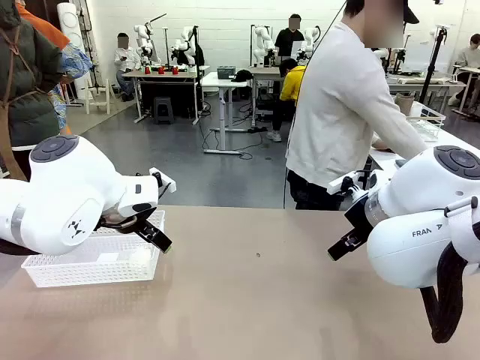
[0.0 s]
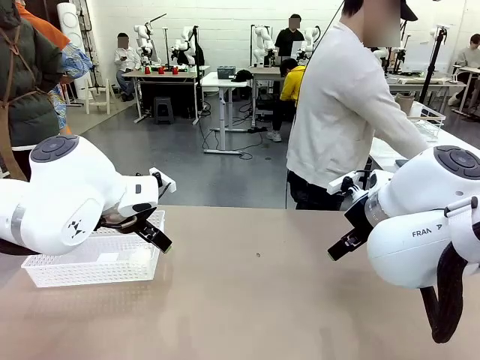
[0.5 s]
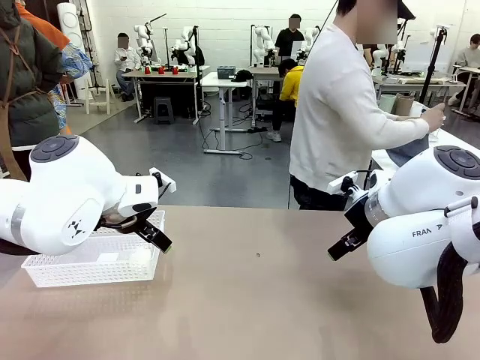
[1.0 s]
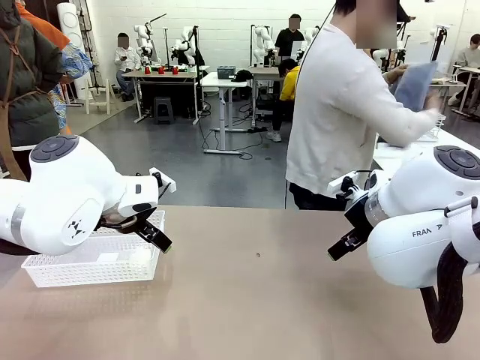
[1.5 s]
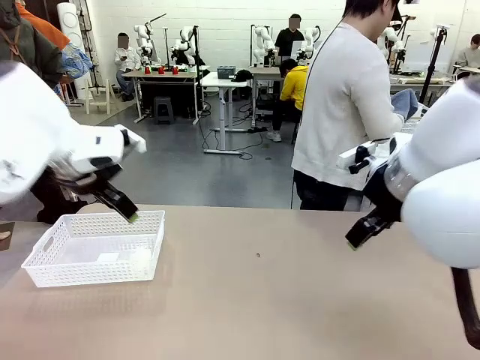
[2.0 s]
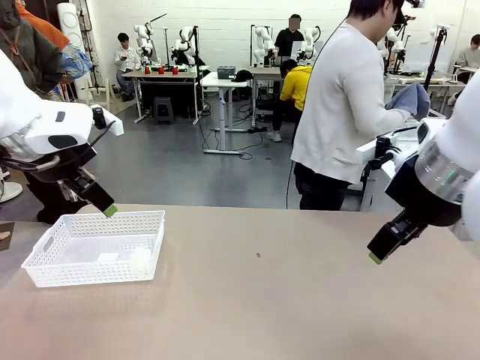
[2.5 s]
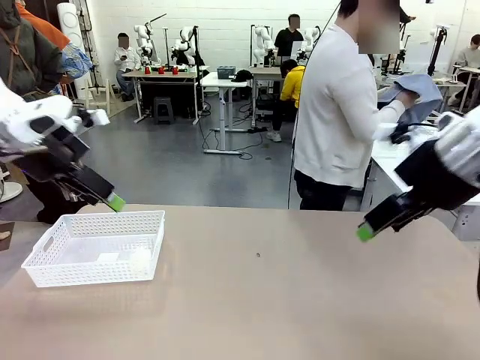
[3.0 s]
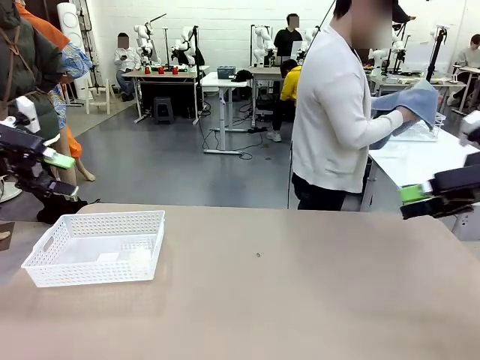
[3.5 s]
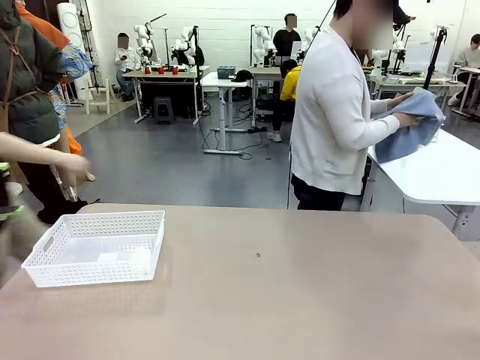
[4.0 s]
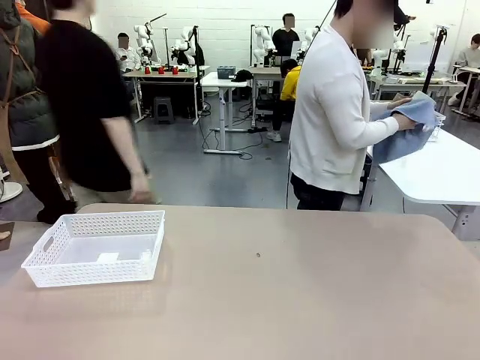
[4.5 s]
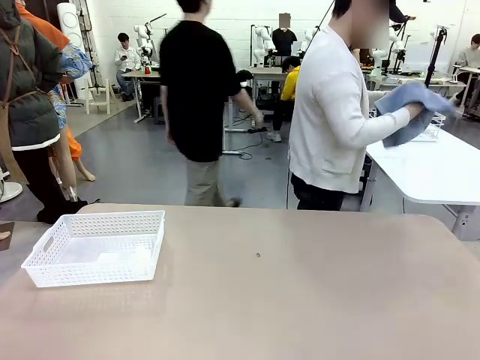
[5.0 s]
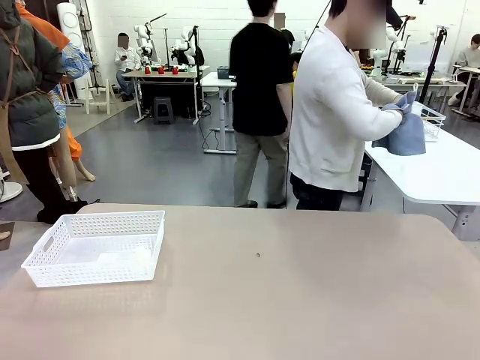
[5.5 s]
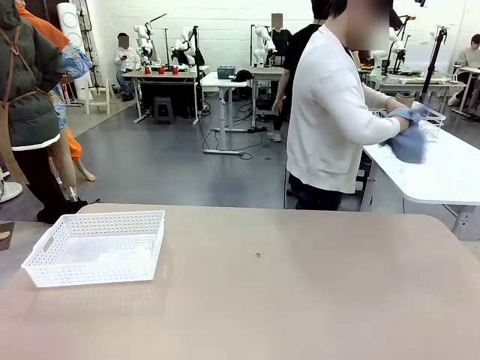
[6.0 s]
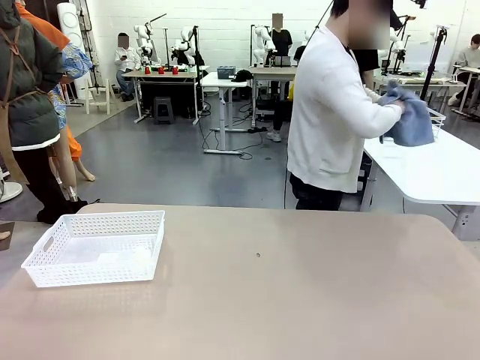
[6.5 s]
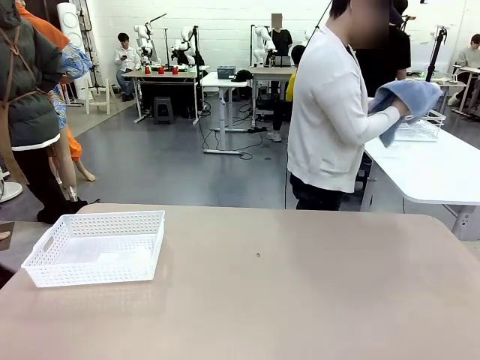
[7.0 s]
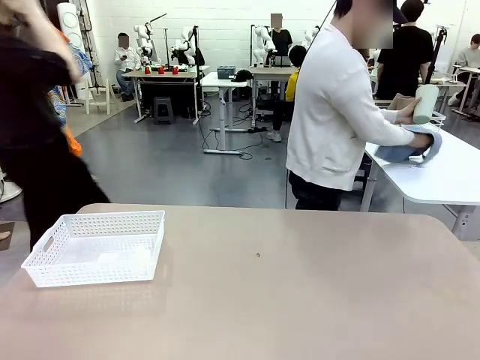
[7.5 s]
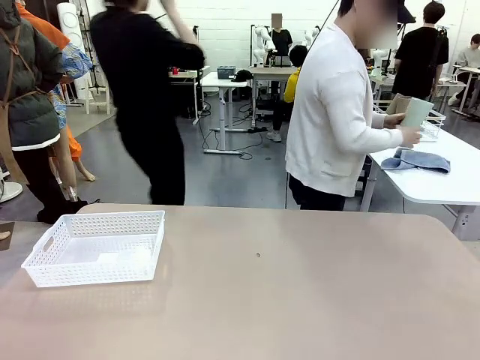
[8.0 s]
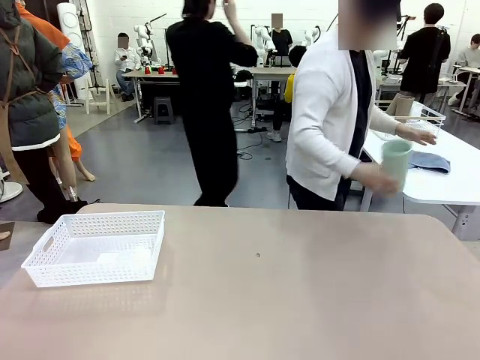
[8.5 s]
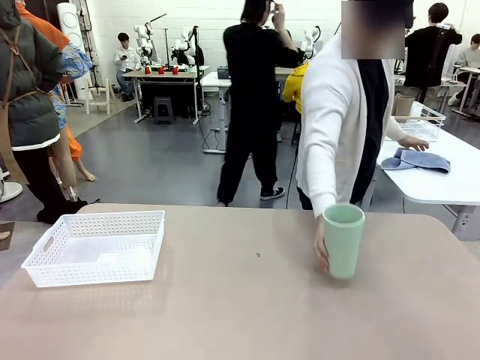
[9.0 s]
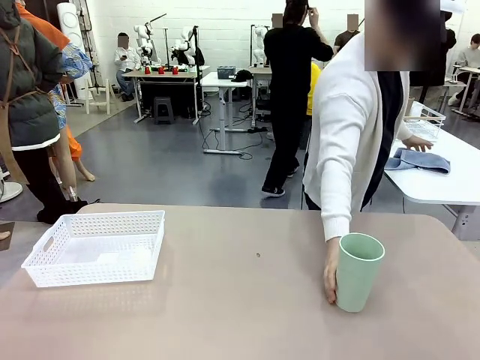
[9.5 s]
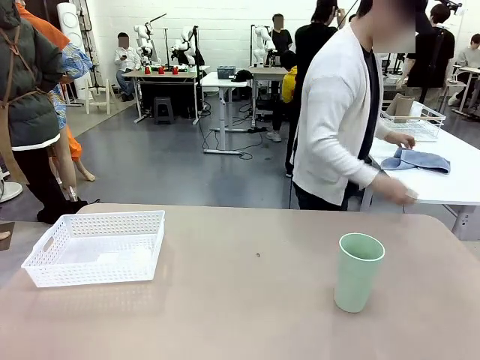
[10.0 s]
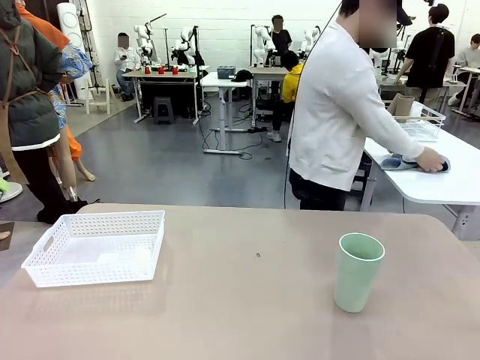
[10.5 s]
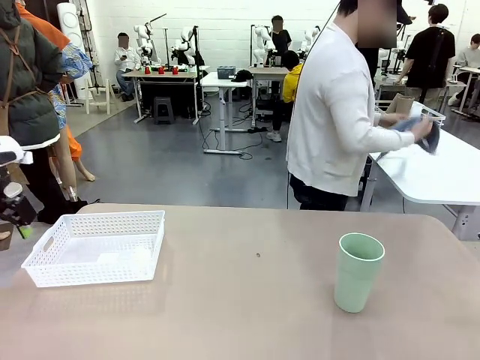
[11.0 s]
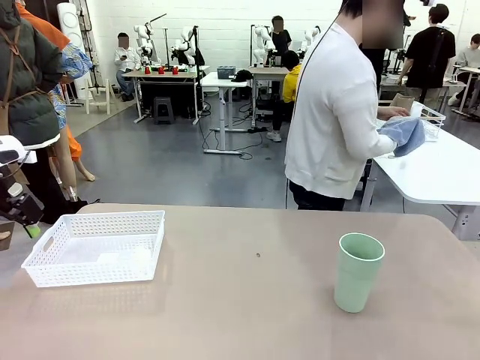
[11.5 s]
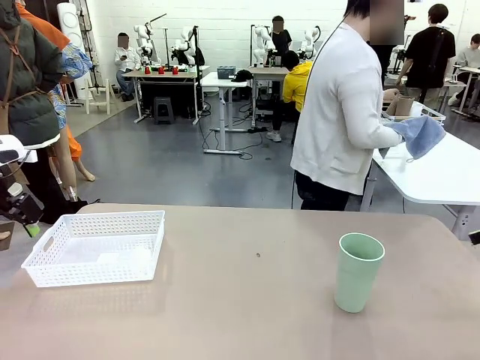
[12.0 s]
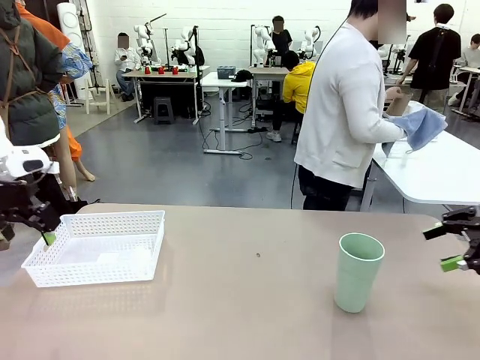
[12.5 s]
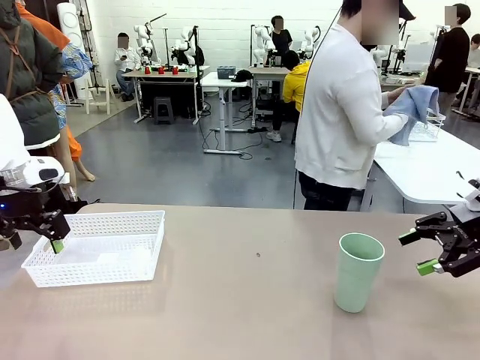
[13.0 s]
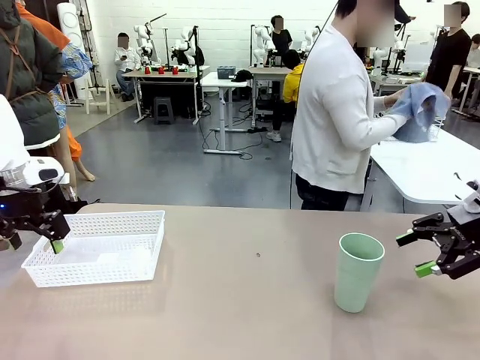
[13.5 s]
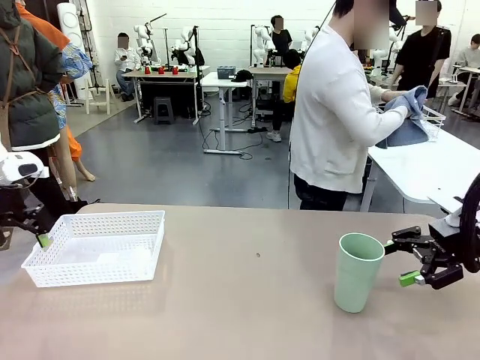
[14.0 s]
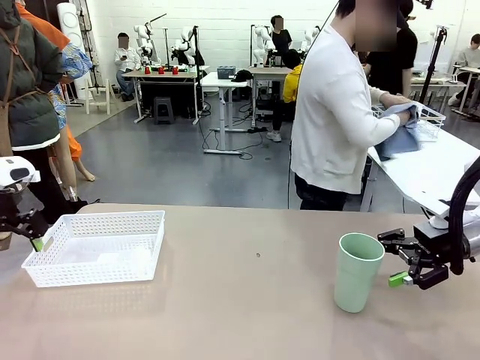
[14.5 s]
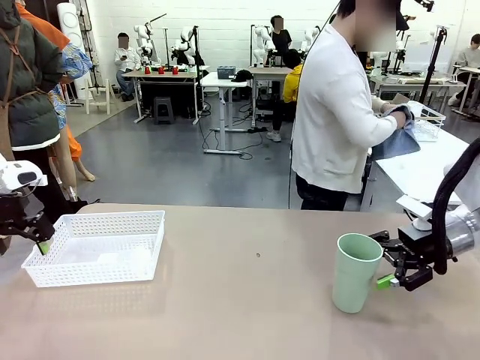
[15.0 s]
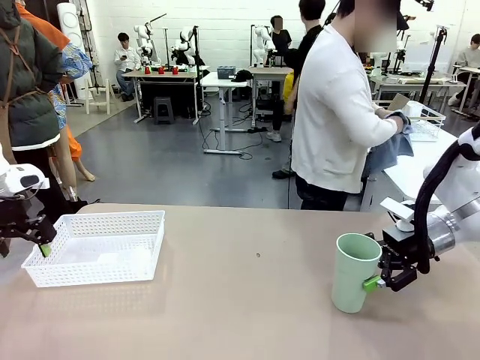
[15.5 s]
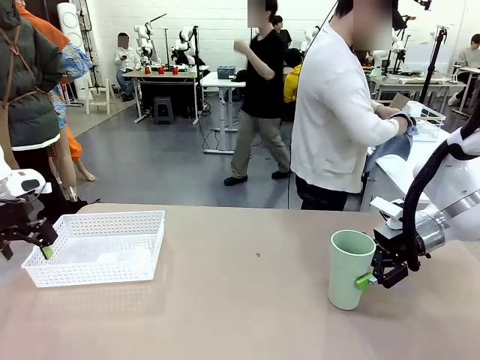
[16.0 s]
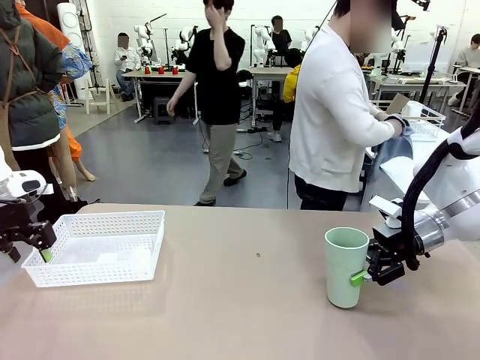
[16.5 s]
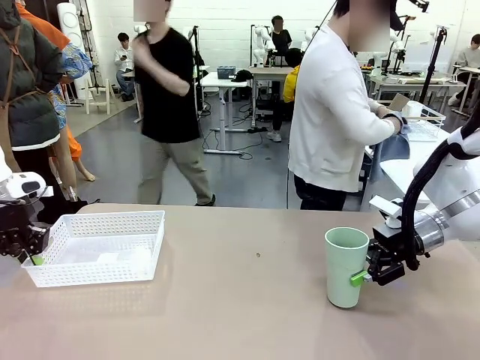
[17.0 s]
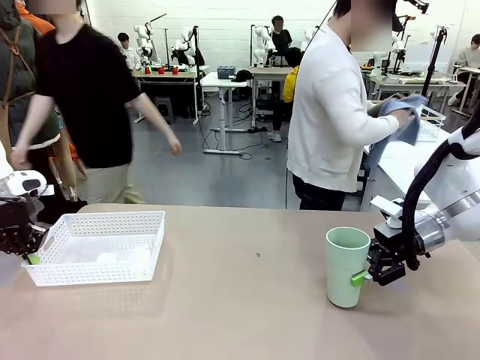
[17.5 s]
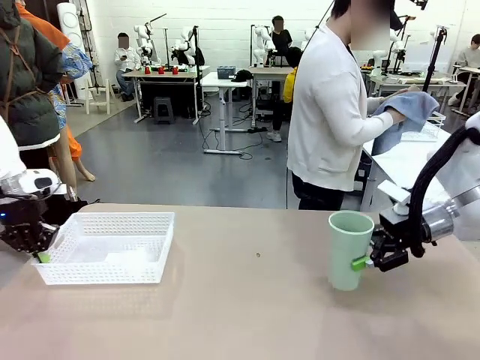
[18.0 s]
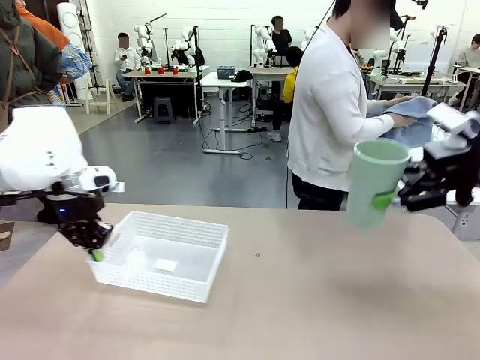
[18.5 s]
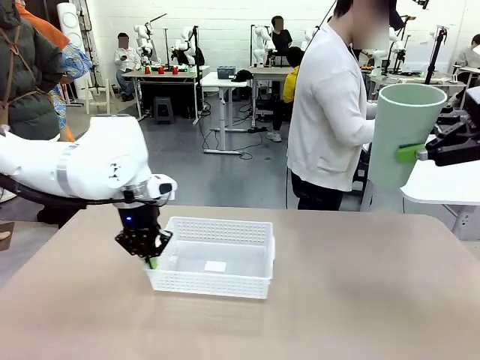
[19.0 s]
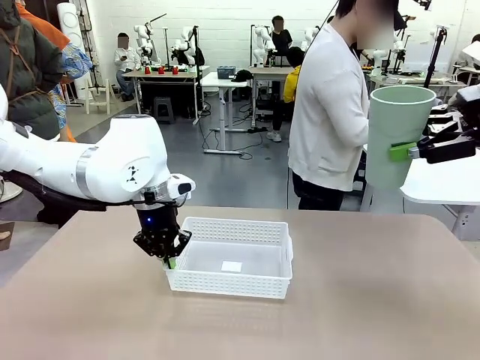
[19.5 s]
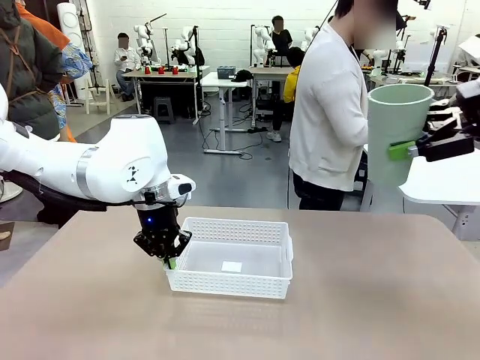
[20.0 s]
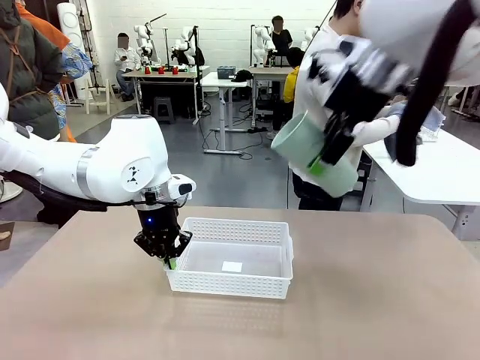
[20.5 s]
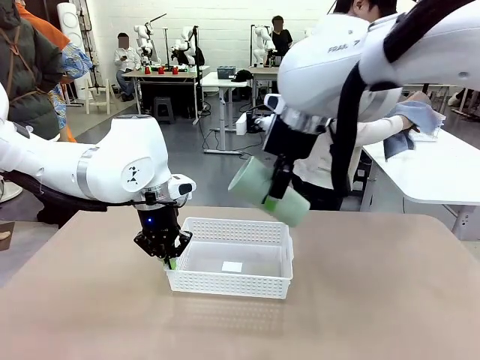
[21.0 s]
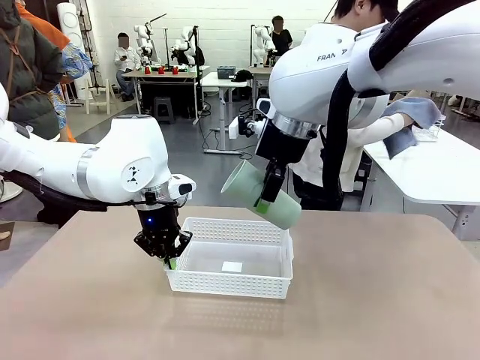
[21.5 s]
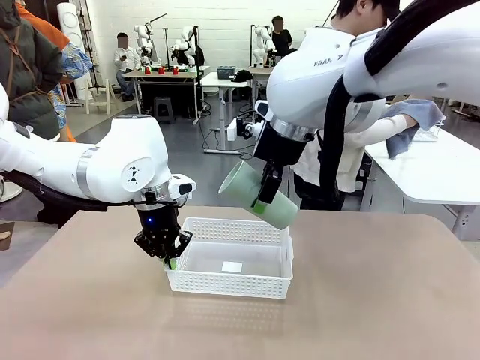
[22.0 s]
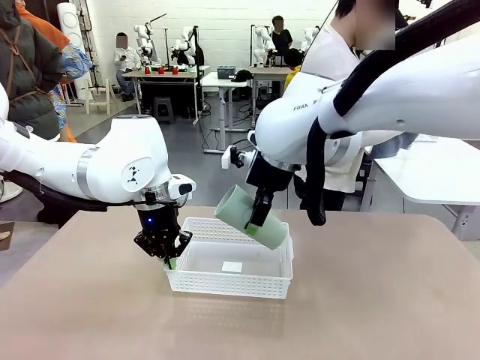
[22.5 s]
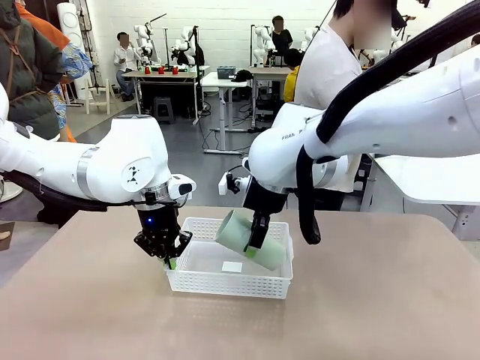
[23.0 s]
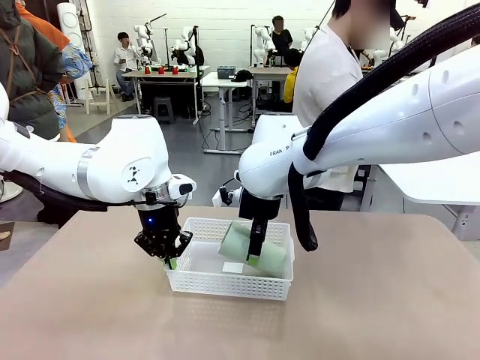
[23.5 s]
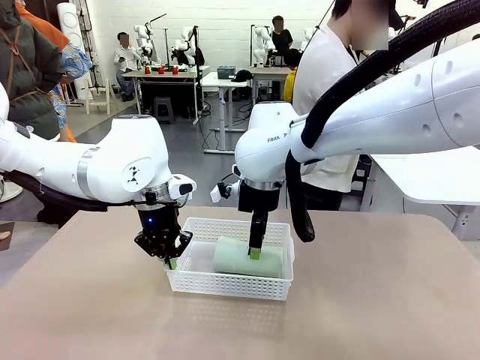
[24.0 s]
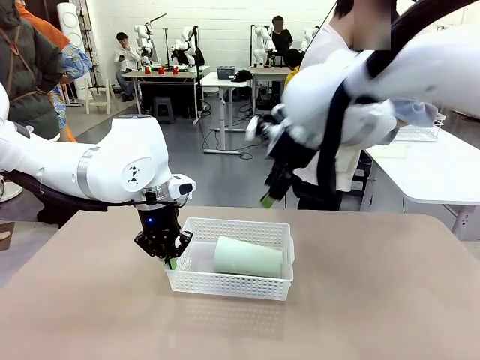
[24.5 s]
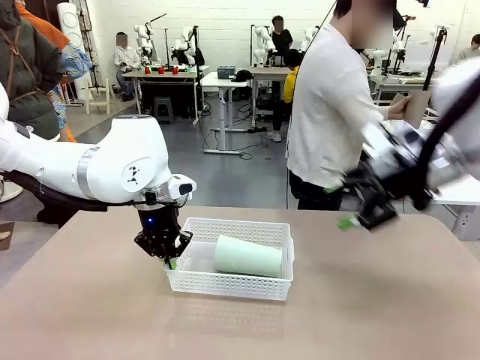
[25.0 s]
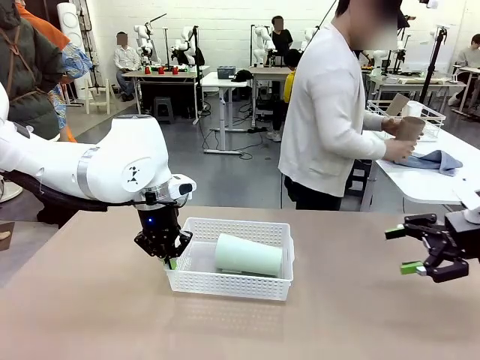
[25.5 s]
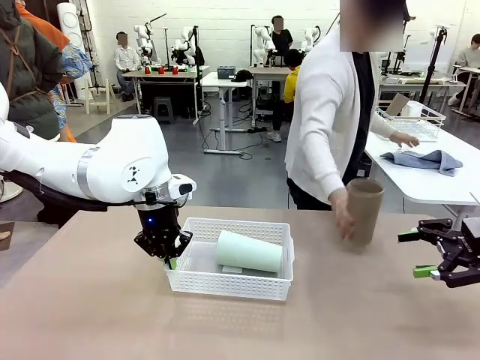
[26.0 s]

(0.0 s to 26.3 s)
Task: Clean and organize the cups into the basket.
Robot: Pick up the Organizing basket and move it to the center of the table, then pick up the Reusable plastic cup from the right side of the table and place it inside the Organizing basket.
Person: Picks up a cup and a towel, cleans the cup with the towel, and places it on the left side of the robot table. Picks up a cup from the drying rack, cleans the cup with the towel, and places it on the left side of the robot table.
